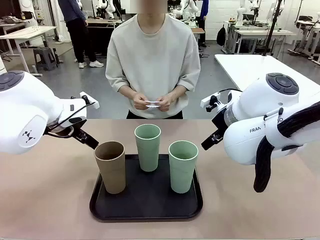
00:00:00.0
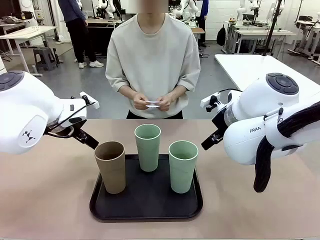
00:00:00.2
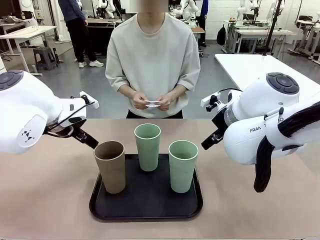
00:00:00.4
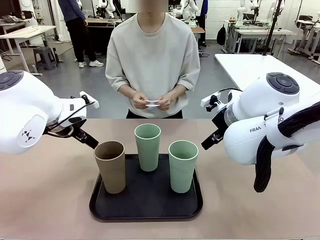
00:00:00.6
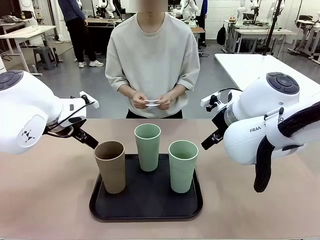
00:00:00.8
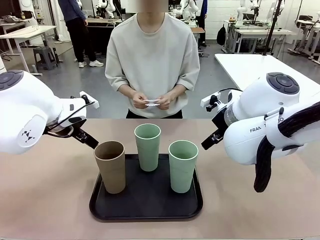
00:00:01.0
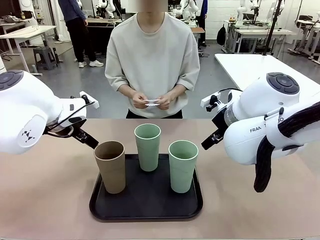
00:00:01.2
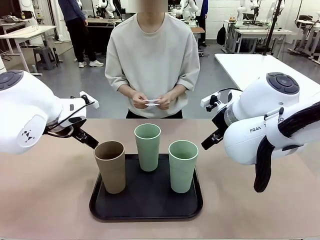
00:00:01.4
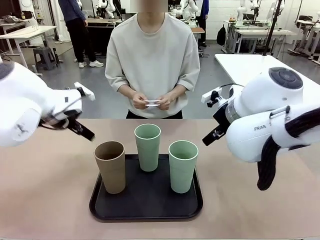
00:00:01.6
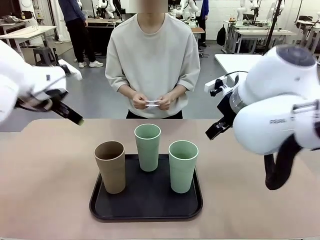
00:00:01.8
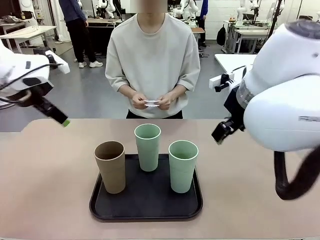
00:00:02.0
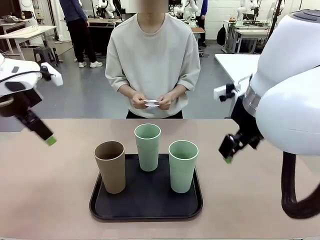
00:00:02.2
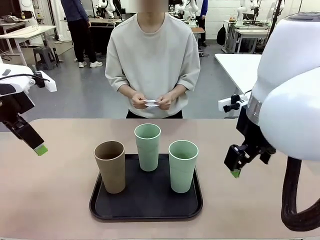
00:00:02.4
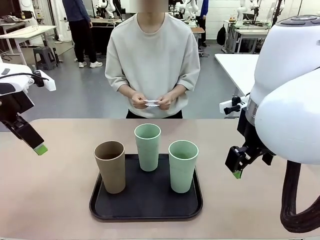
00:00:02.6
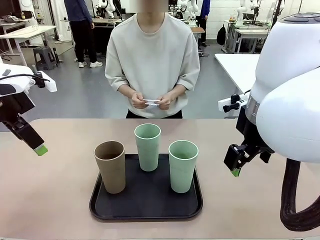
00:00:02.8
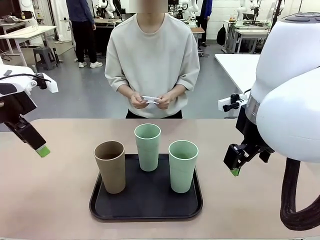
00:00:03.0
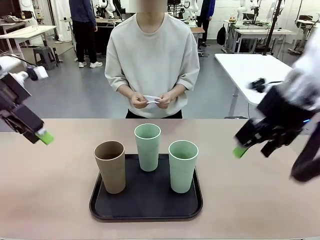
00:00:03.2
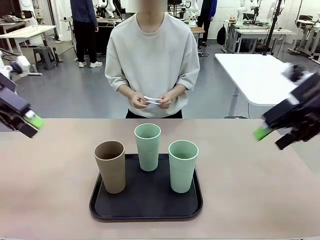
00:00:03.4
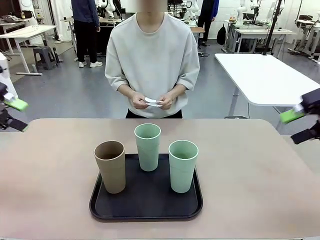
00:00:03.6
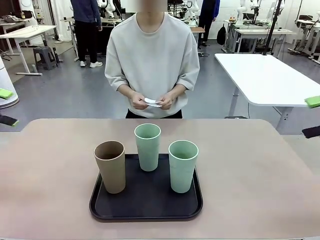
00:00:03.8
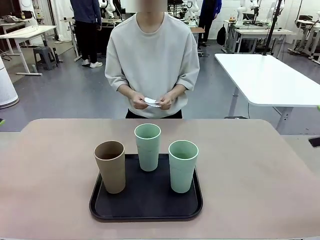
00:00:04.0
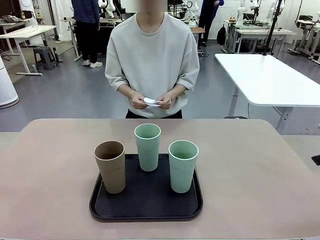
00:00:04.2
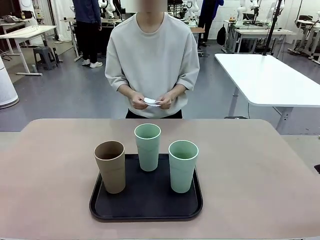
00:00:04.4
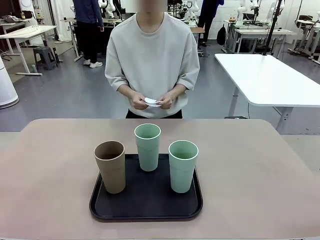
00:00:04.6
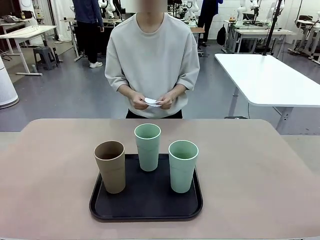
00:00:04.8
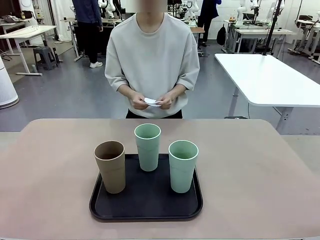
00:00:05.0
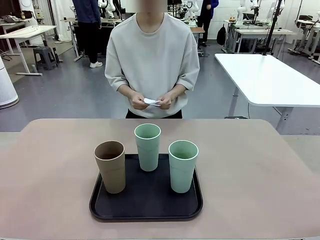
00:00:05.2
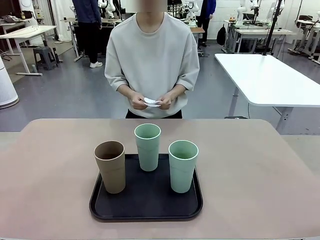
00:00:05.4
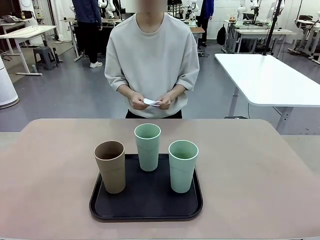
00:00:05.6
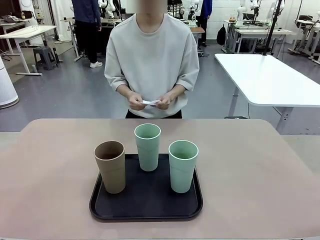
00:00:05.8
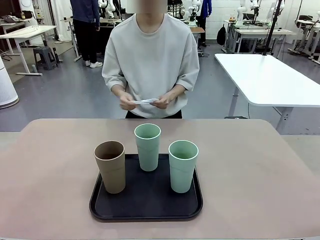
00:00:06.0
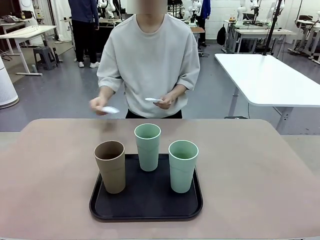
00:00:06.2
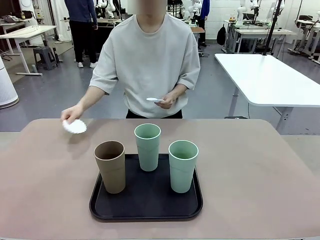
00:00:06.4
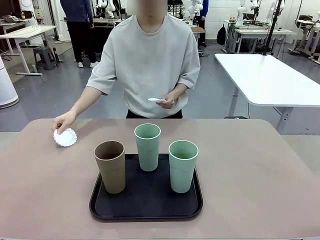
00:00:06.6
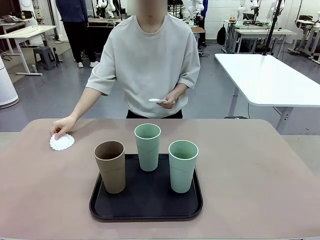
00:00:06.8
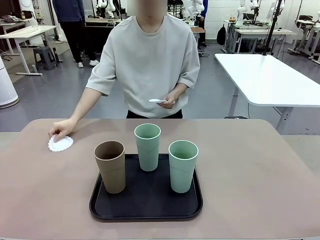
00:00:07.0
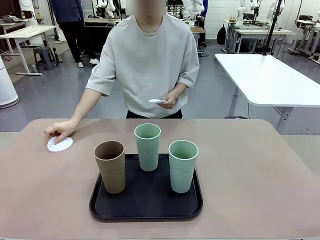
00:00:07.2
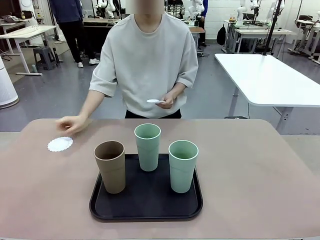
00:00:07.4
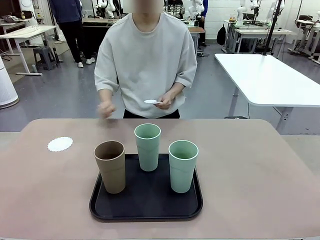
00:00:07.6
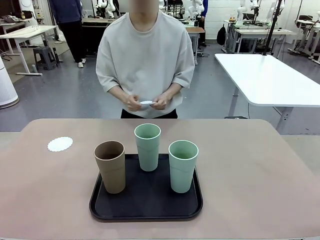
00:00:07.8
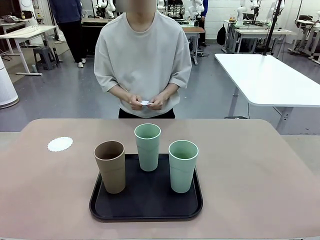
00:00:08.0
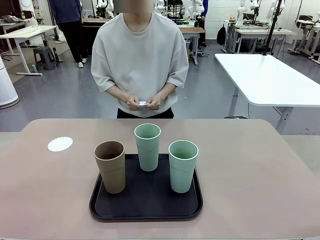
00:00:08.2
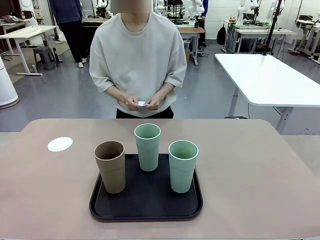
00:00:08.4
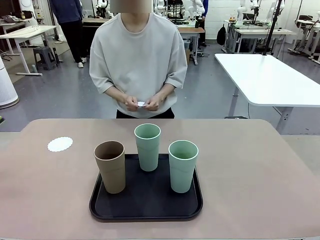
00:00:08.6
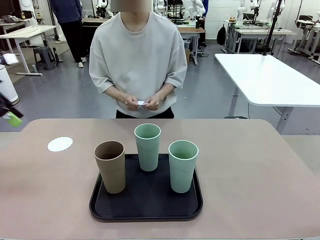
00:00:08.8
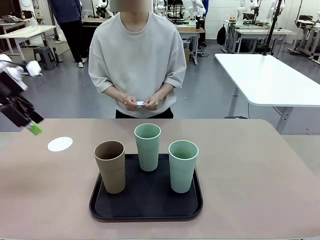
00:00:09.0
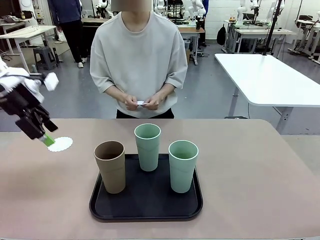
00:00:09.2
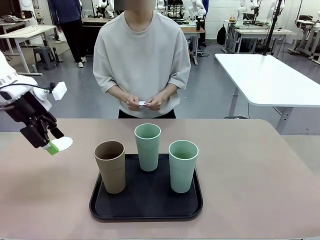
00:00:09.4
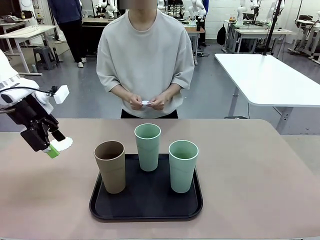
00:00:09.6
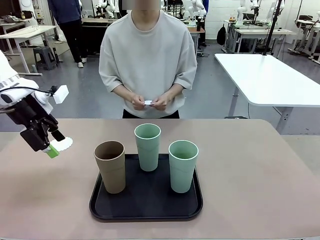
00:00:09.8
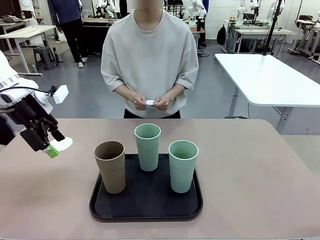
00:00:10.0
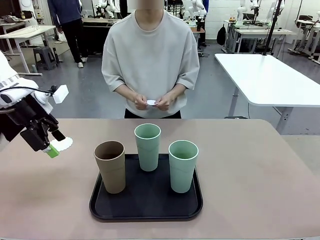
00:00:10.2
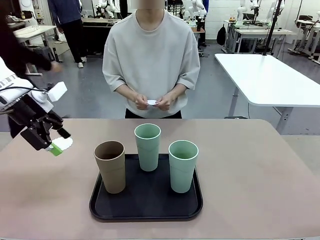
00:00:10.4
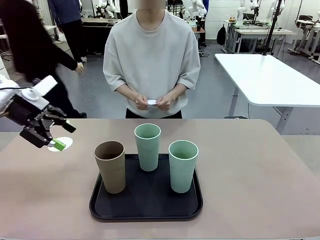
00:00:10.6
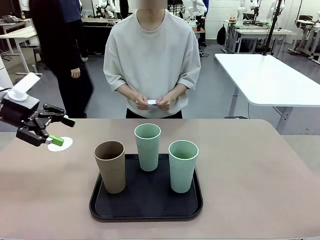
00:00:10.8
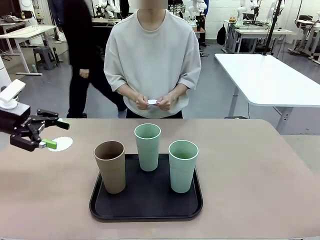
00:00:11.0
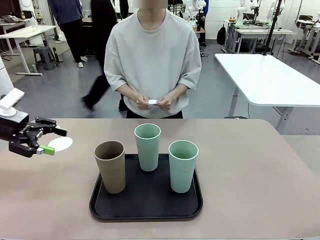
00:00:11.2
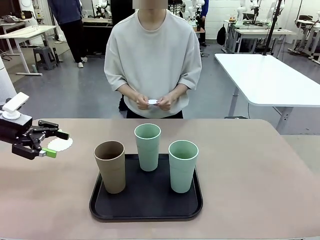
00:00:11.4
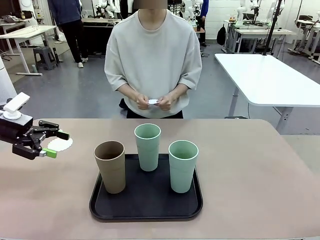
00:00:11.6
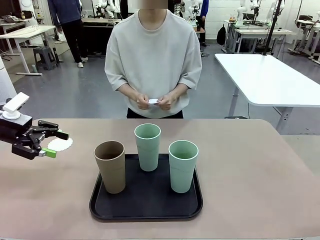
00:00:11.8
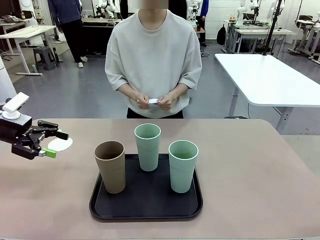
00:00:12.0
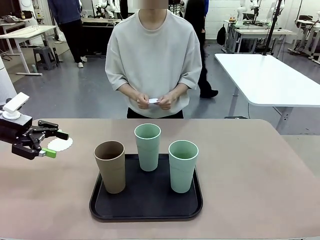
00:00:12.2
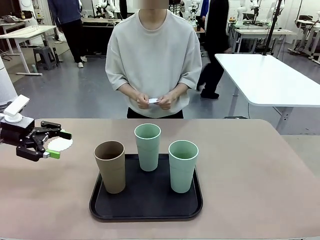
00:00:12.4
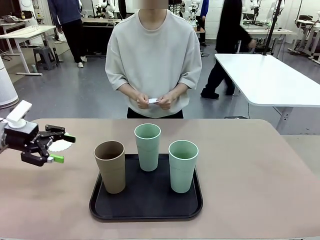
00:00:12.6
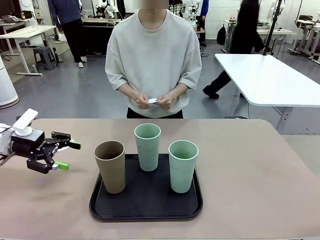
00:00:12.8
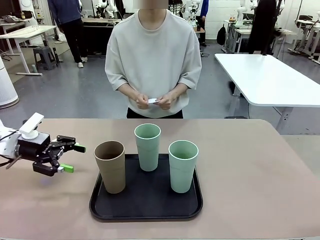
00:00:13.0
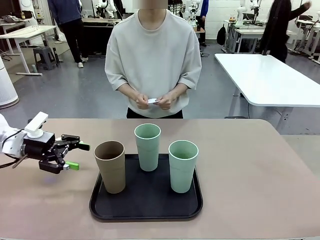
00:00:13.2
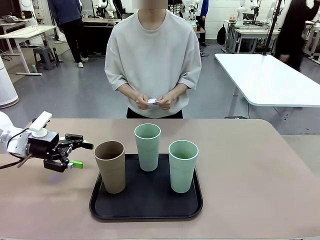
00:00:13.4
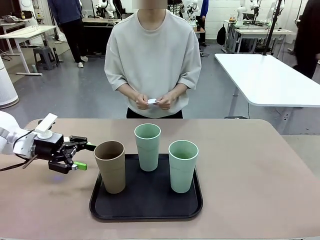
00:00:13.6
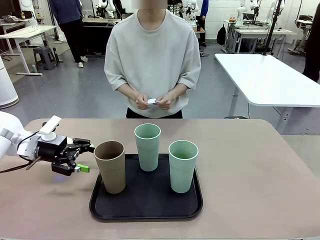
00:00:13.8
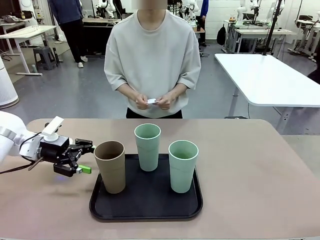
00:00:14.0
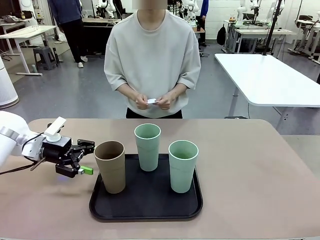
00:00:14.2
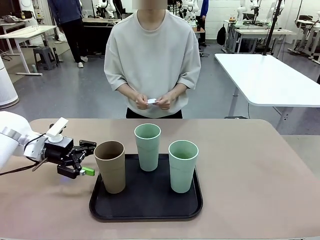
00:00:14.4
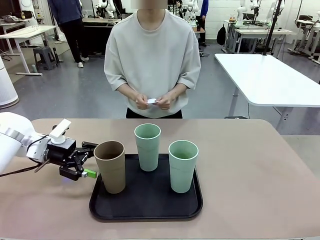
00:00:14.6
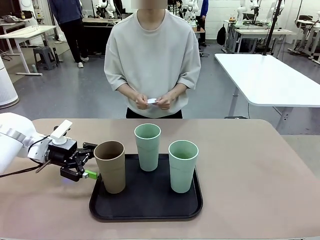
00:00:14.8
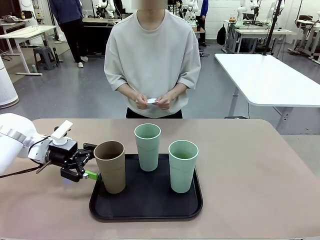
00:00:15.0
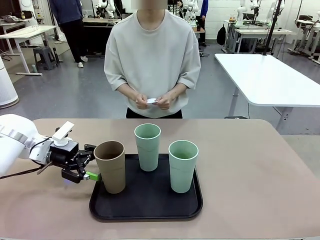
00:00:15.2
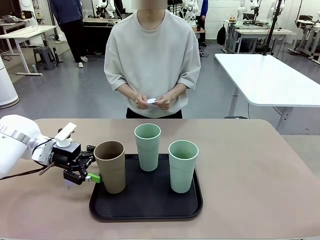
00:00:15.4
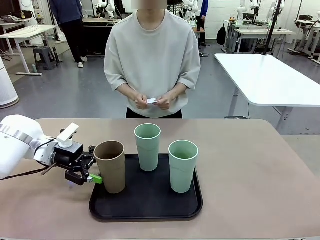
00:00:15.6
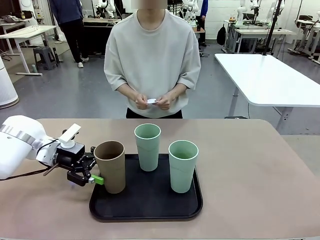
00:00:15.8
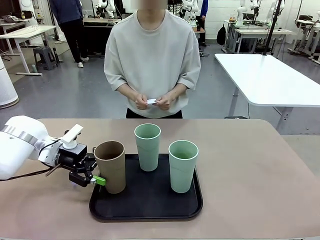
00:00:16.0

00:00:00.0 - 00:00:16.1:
Task: Place coasters on the table and set cups on them.
Robot: Pick up one Reusable plastic cup and place it on a coaster set by the human.
Person: Place one coaster in any one of the three lower areas of the robot table (left, center, or right).
